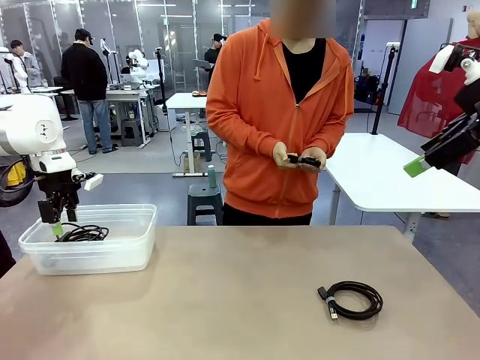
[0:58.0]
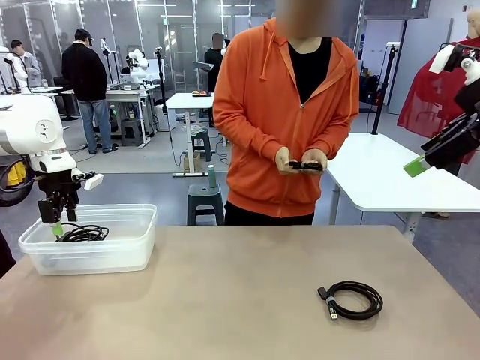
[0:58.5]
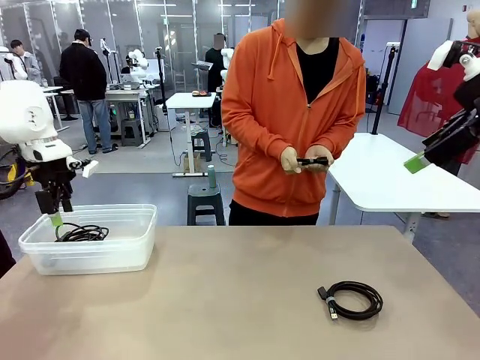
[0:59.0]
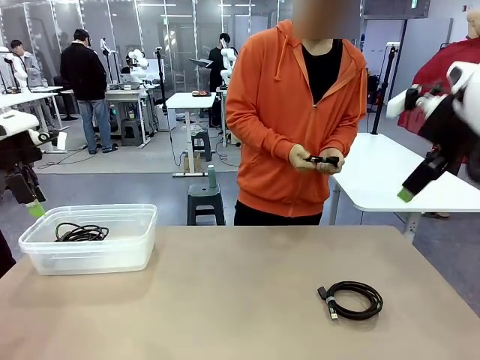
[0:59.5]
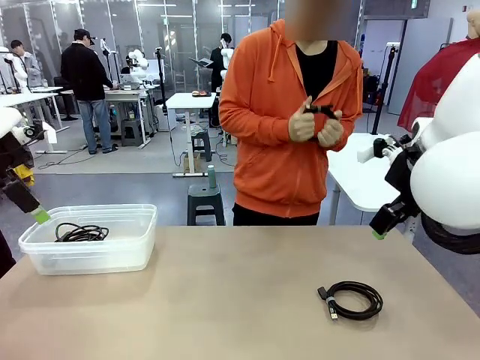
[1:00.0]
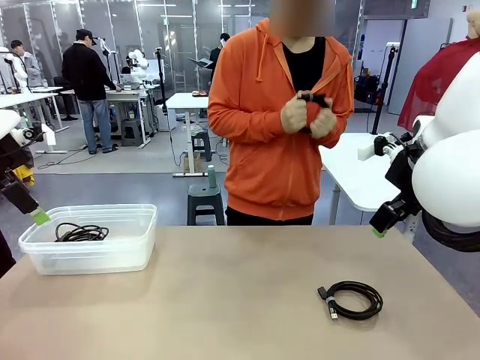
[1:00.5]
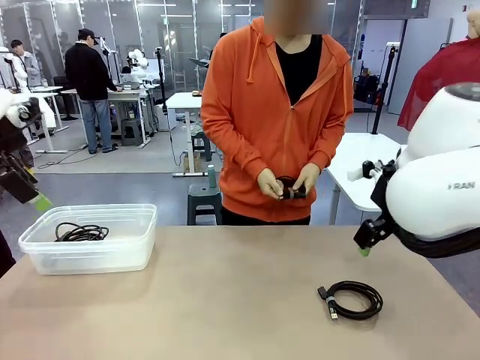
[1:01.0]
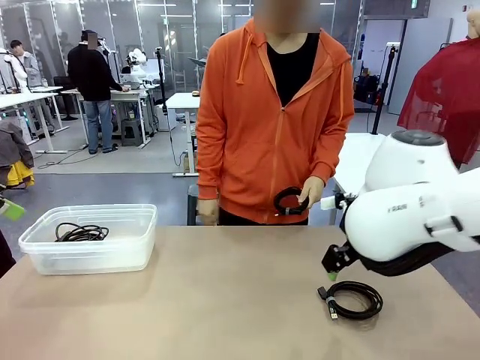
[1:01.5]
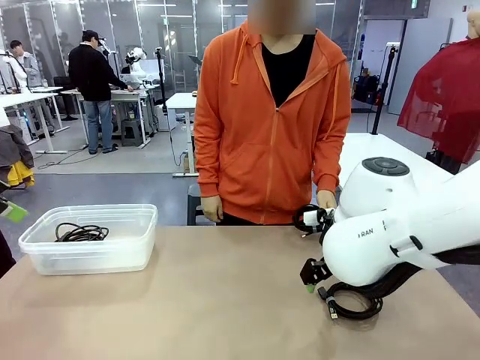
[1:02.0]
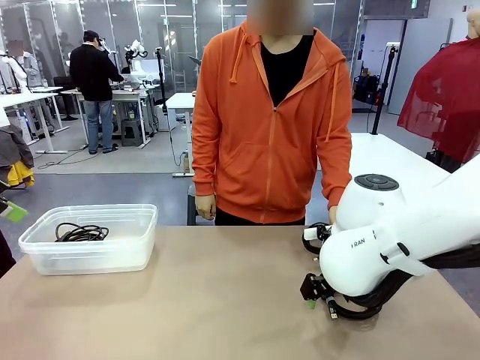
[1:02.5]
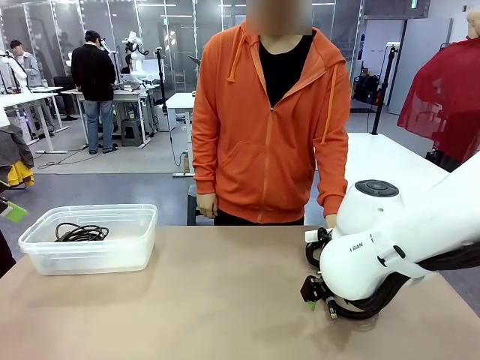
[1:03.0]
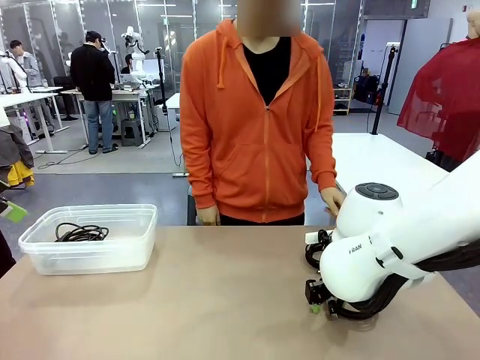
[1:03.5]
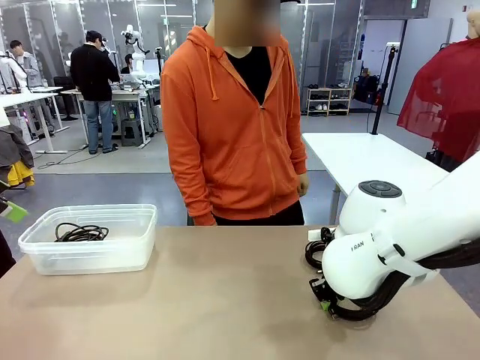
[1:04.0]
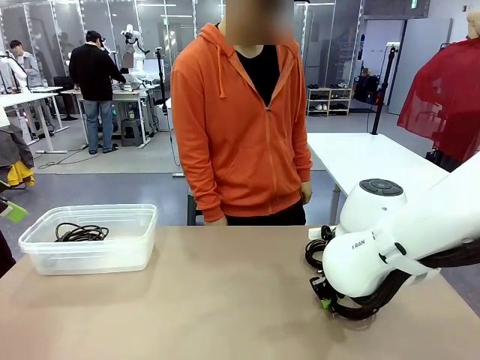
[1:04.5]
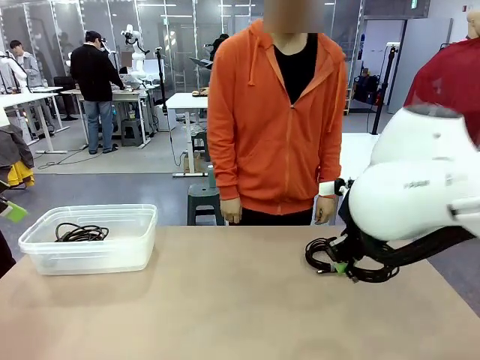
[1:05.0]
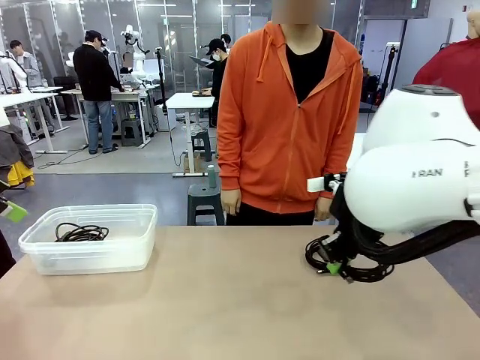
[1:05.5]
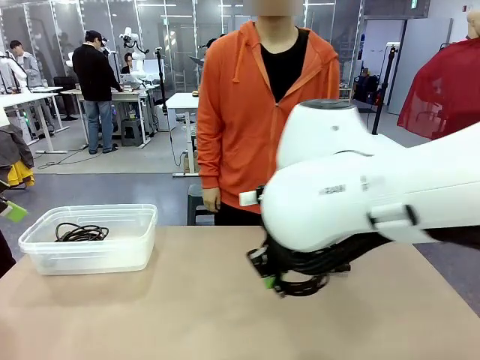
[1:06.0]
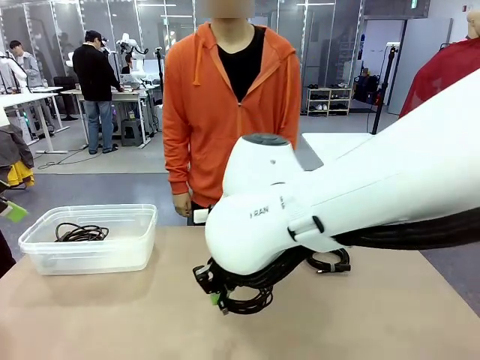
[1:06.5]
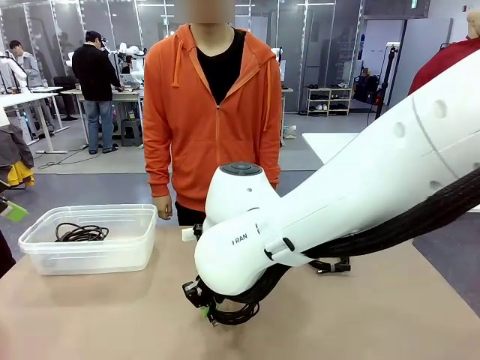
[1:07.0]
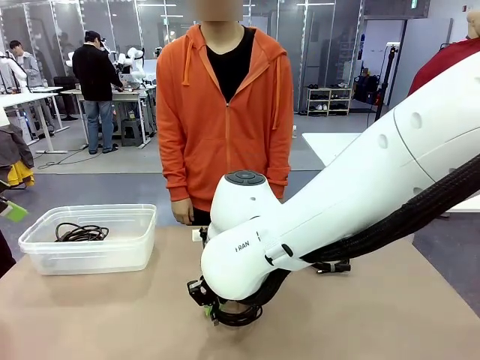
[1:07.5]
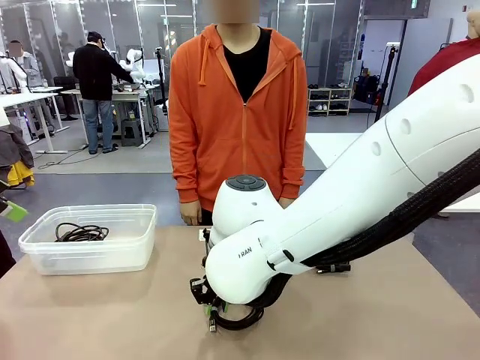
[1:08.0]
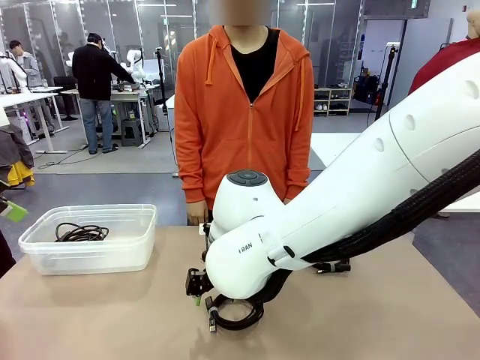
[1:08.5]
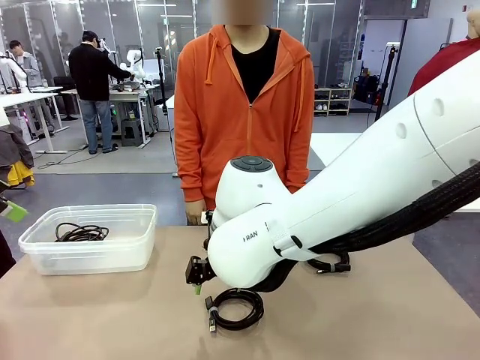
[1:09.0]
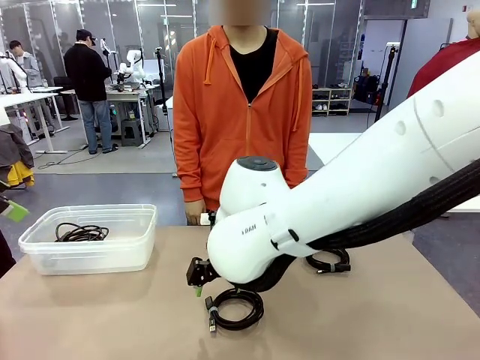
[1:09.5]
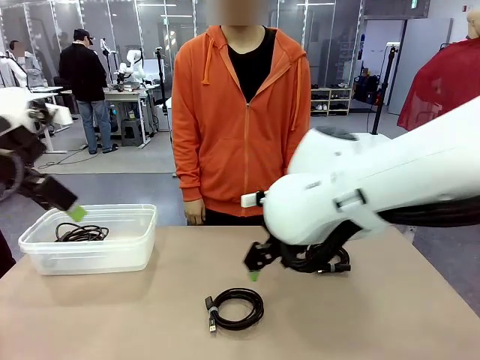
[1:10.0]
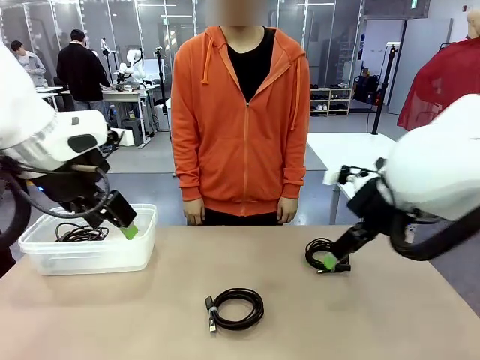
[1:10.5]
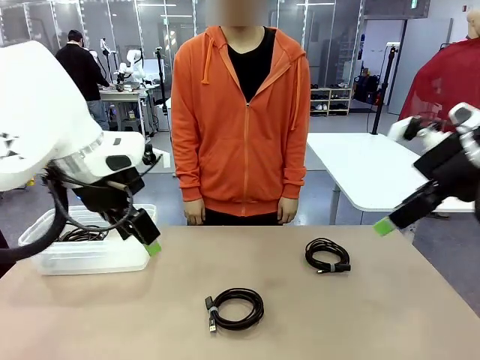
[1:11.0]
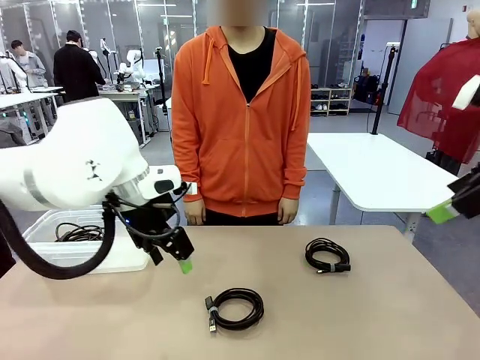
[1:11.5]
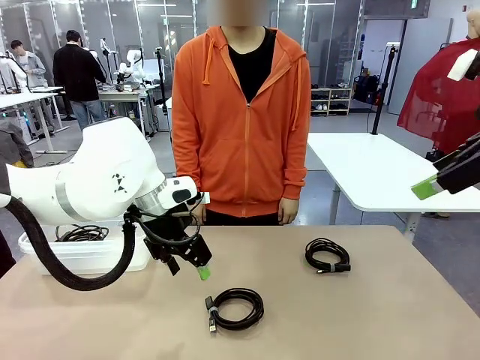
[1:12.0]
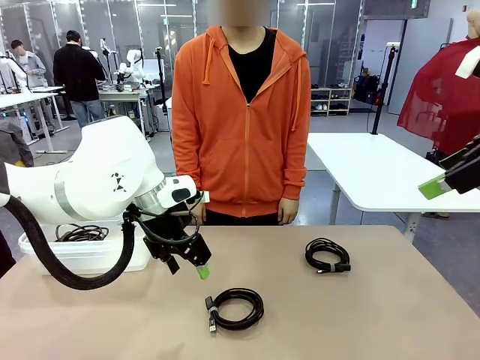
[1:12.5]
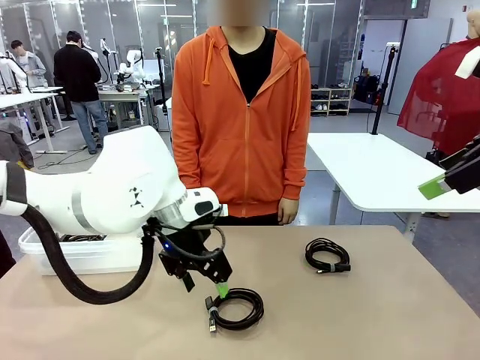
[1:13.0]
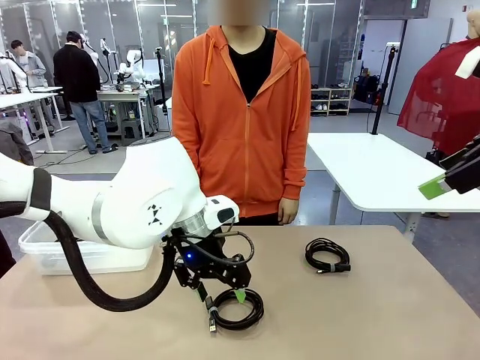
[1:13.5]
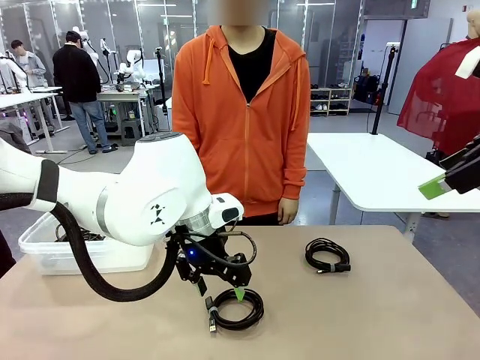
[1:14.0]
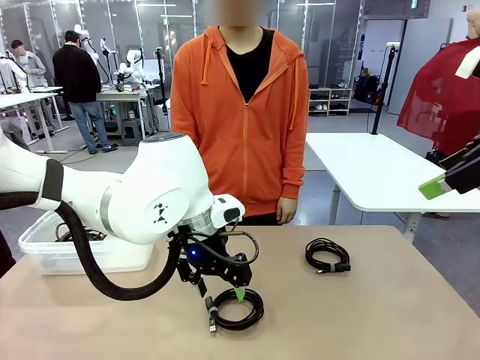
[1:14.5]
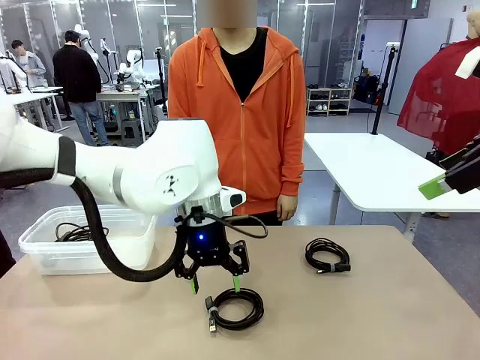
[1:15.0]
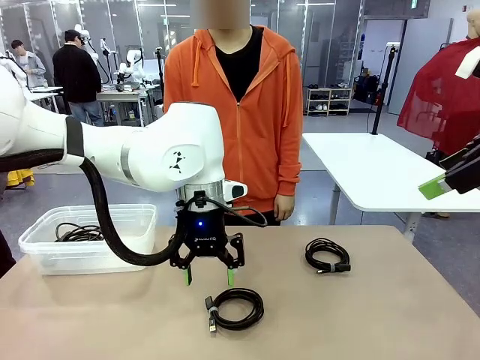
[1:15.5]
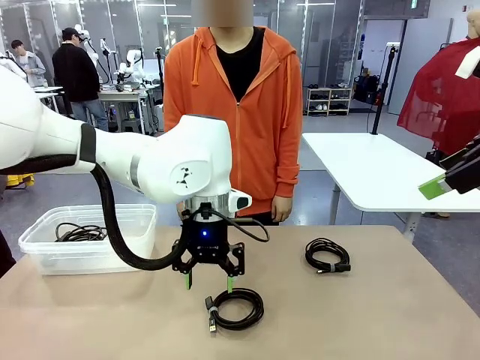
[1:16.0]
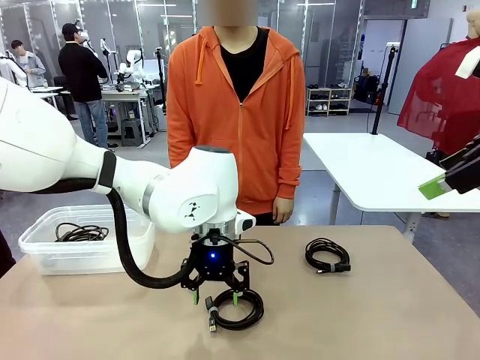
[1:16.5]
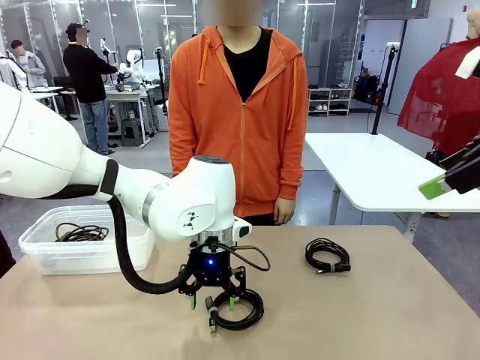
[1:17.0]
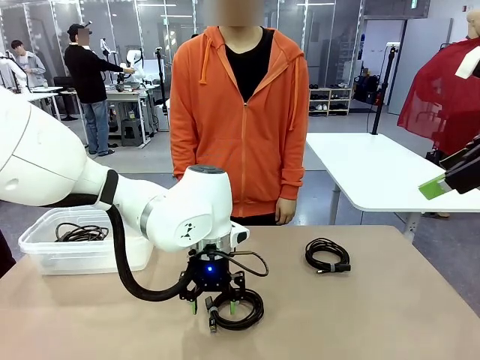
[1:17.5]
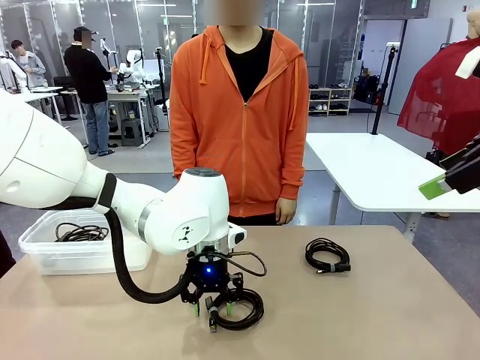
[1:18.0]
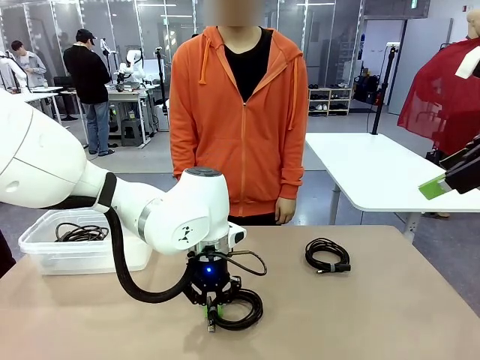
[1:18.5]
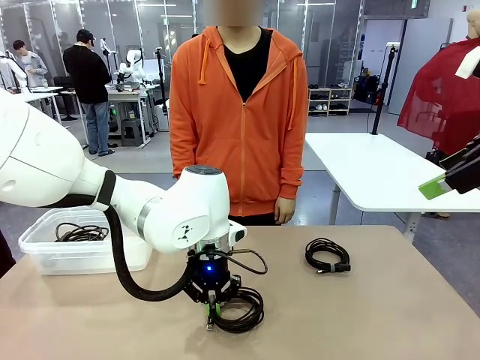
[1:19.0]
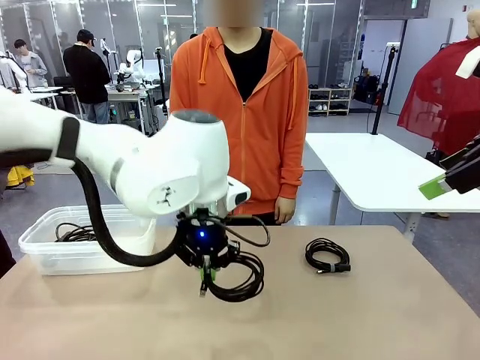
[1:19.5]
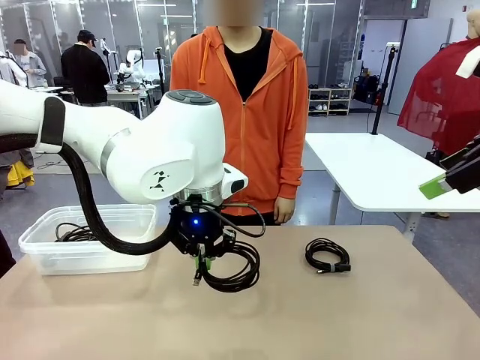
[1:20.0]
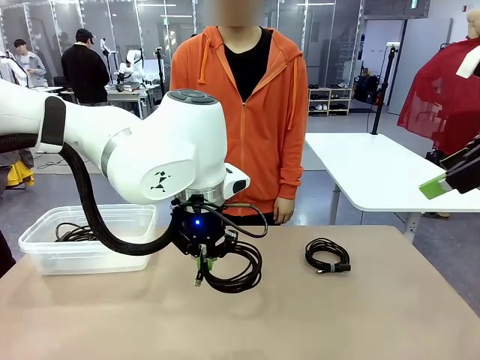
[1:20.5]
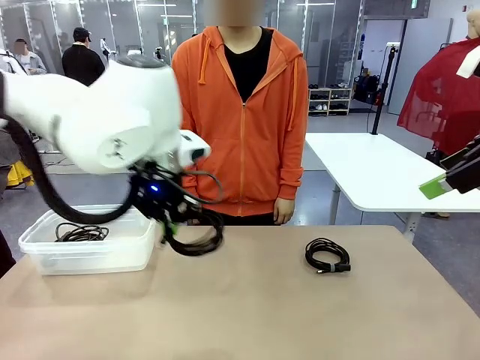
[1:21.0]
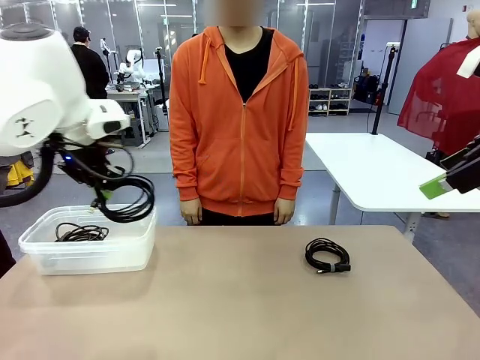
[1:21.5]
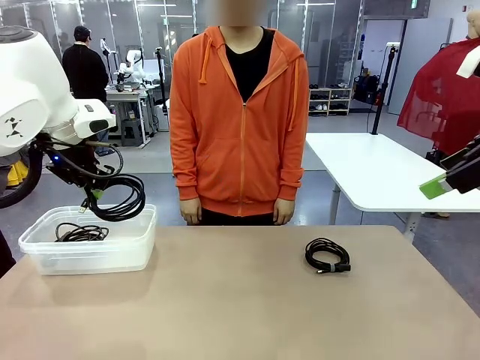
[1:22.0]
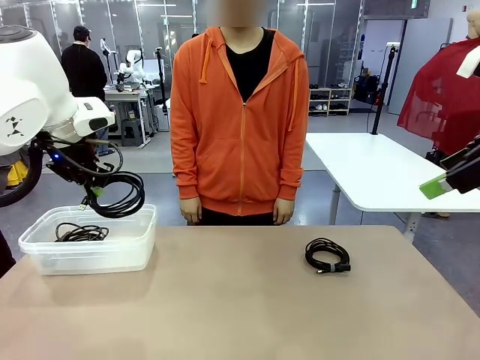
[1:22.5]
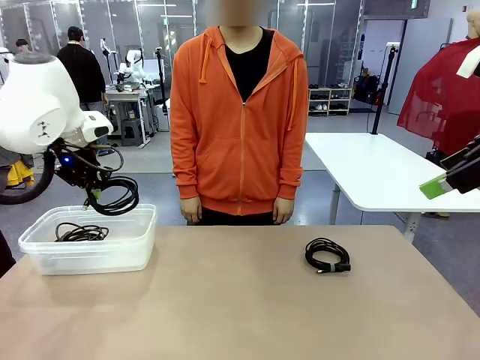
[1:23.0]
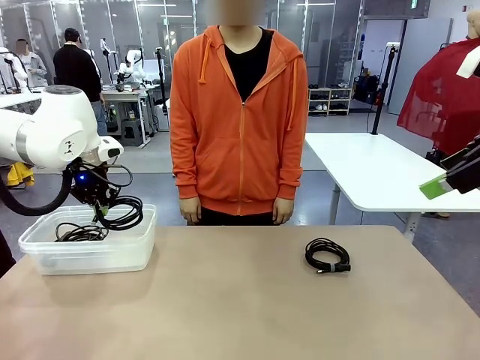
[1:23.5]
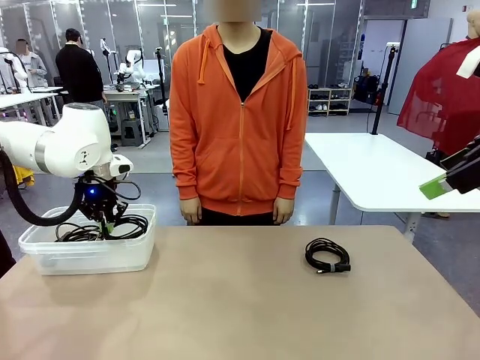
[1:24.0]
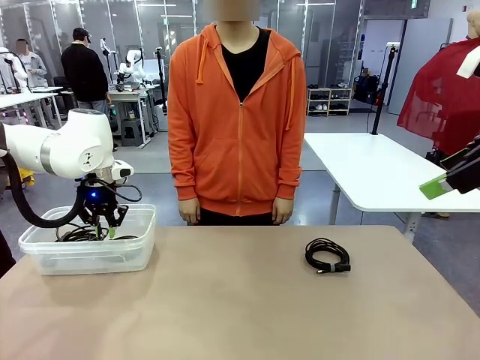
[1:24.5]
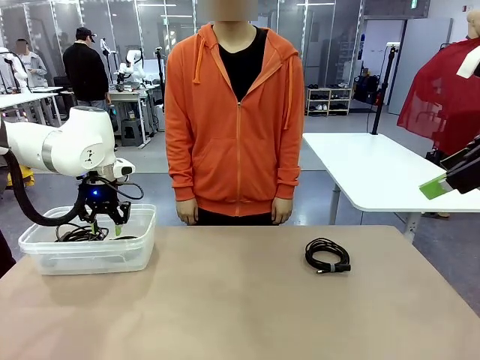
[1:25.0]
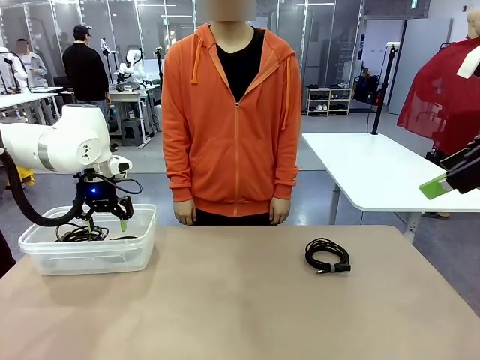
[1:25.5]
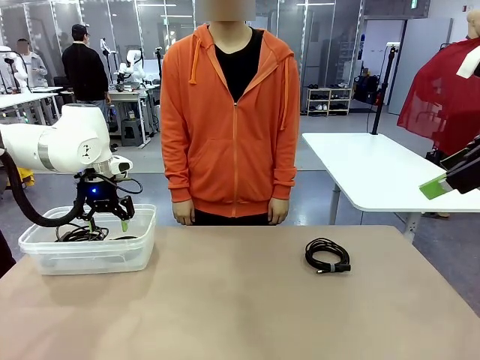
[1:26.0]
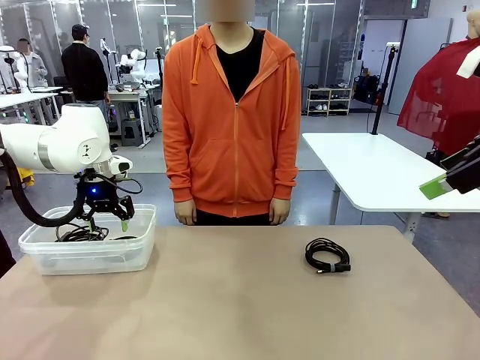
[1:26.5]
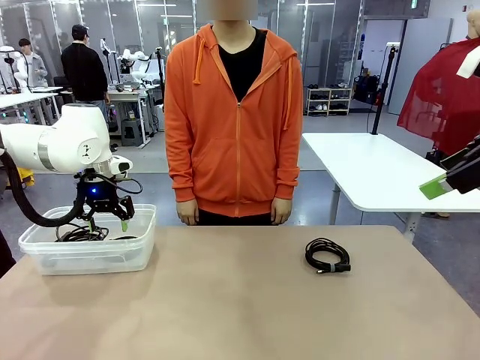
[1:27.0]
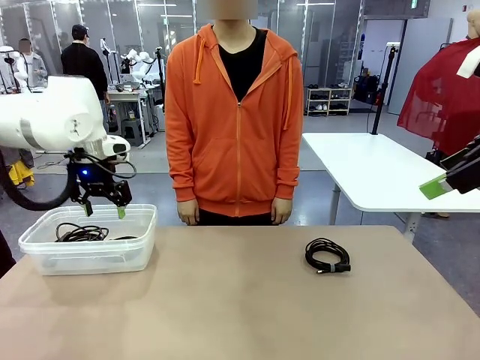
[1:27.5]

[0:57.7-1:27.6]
Task: Organize and store the cables.
Robot: Place the USB Extension Cable into the Organizing box.
